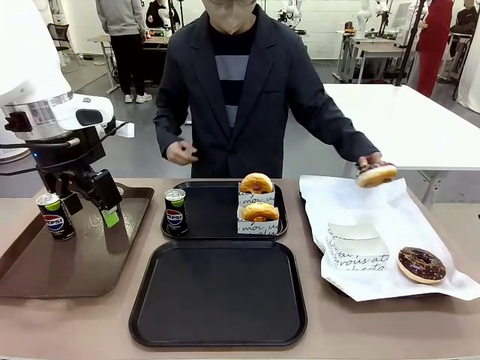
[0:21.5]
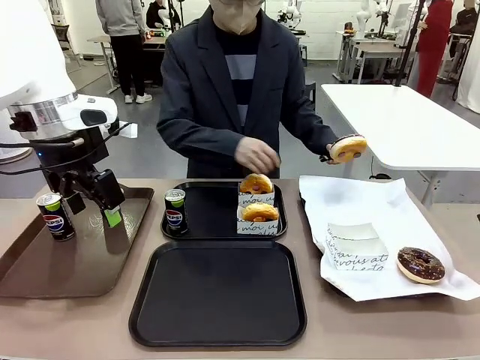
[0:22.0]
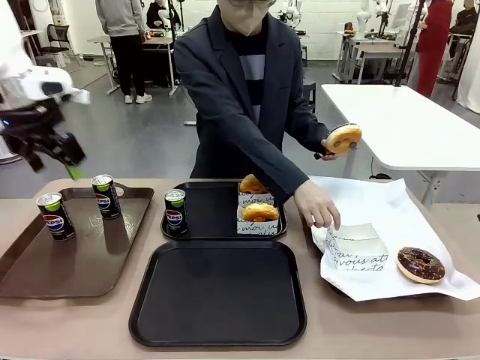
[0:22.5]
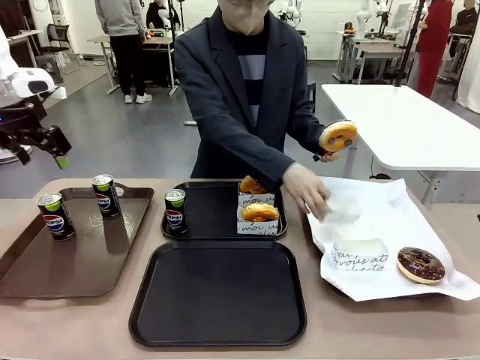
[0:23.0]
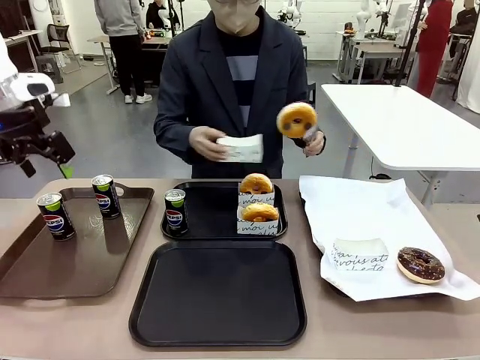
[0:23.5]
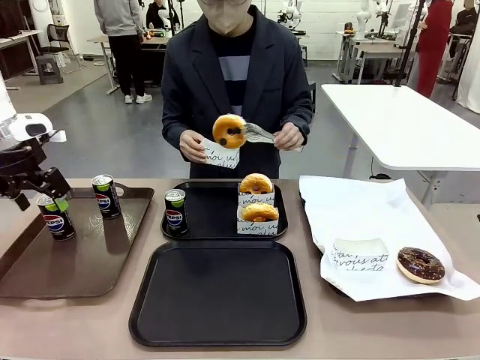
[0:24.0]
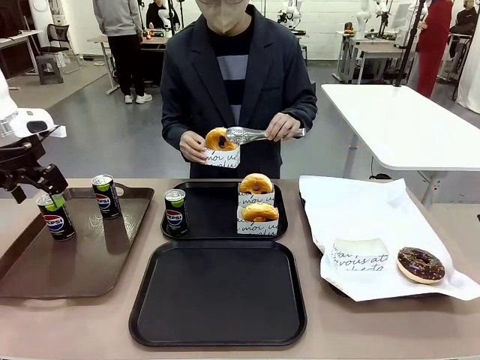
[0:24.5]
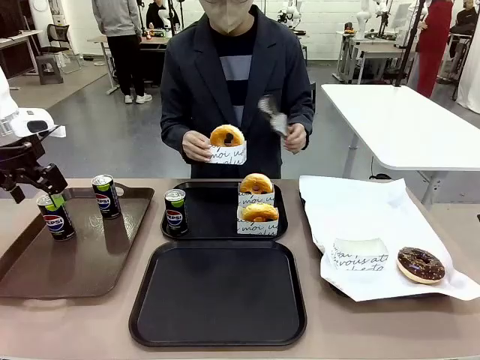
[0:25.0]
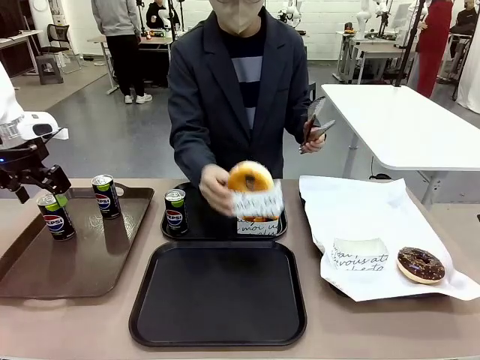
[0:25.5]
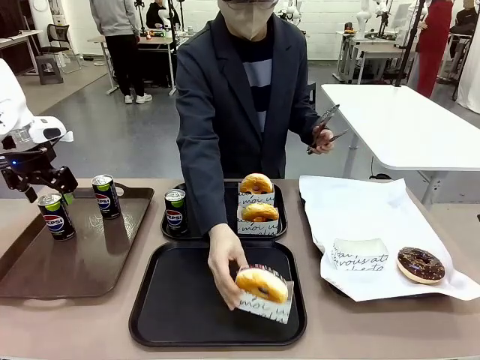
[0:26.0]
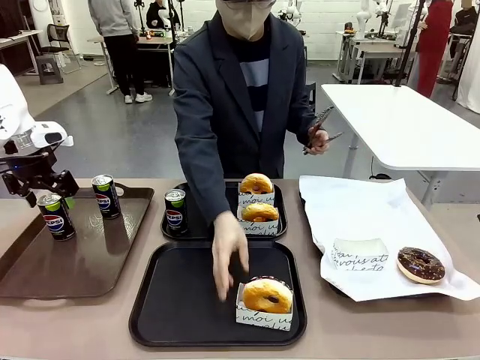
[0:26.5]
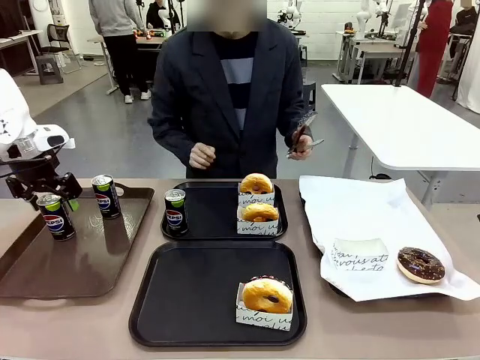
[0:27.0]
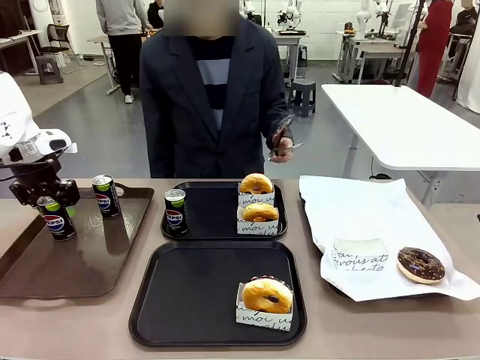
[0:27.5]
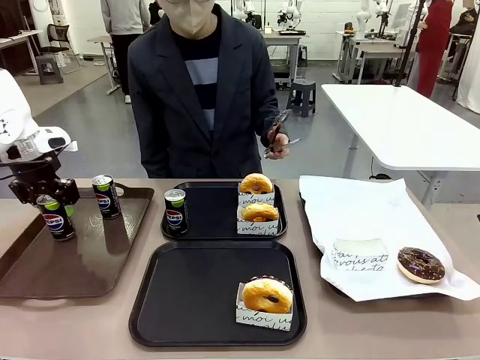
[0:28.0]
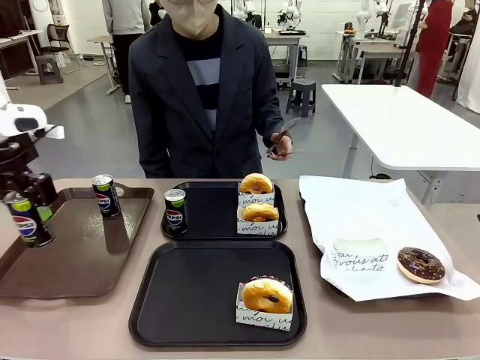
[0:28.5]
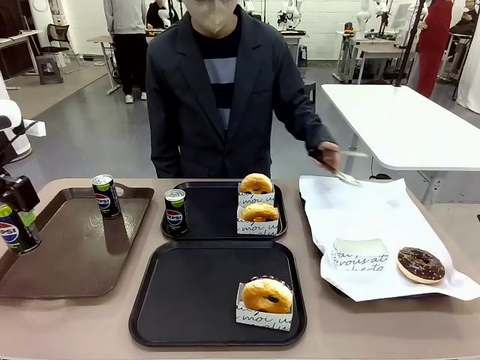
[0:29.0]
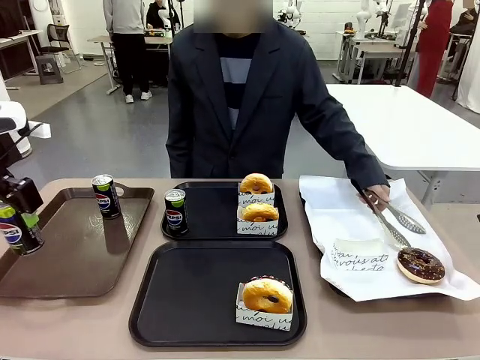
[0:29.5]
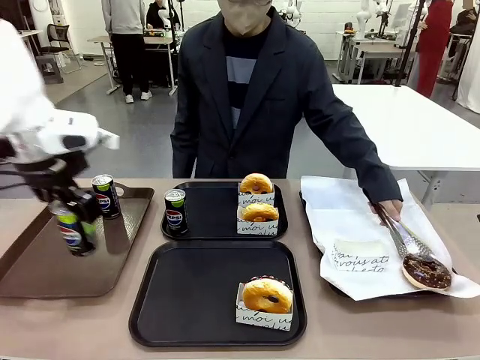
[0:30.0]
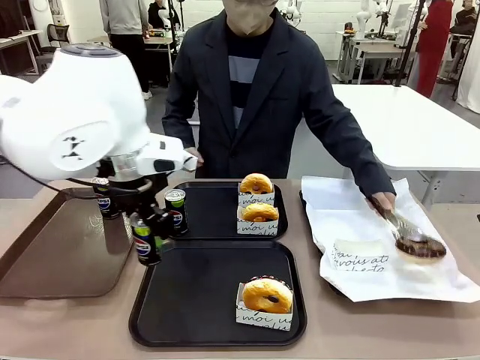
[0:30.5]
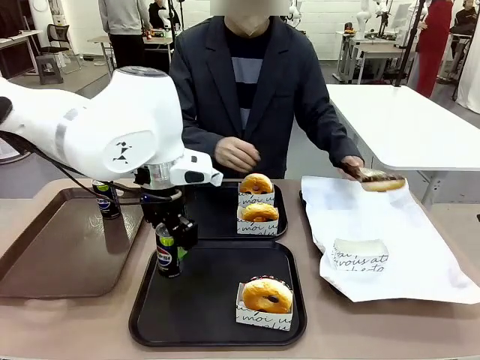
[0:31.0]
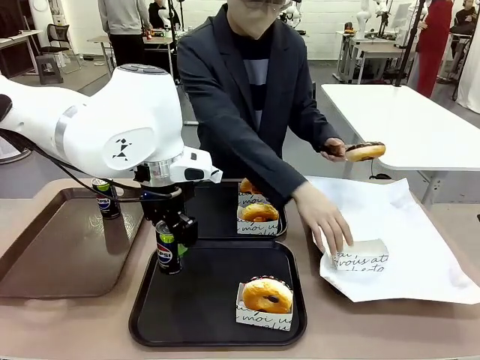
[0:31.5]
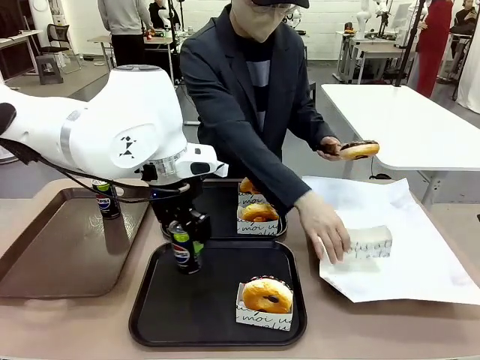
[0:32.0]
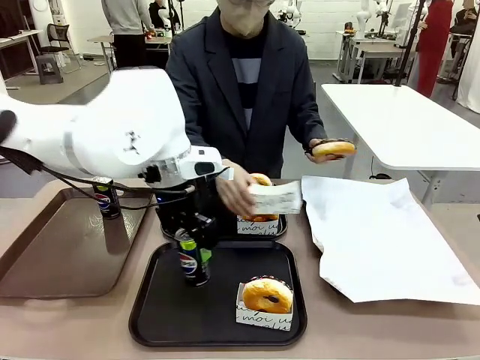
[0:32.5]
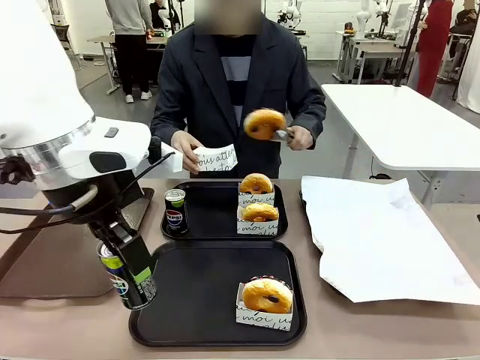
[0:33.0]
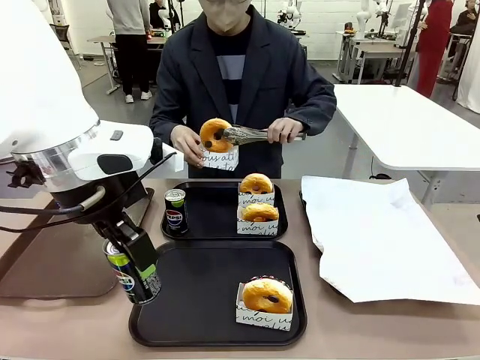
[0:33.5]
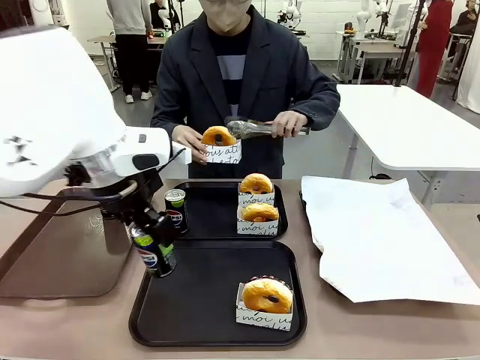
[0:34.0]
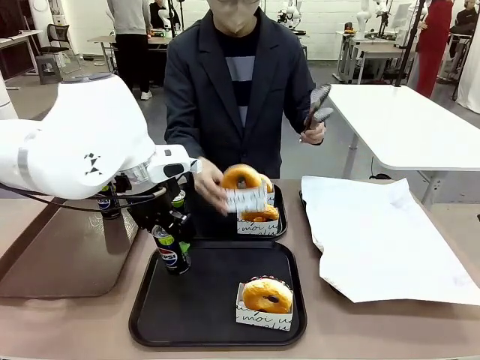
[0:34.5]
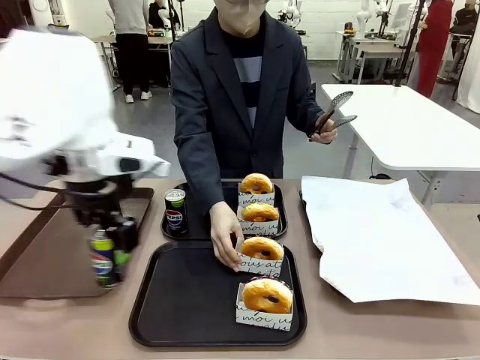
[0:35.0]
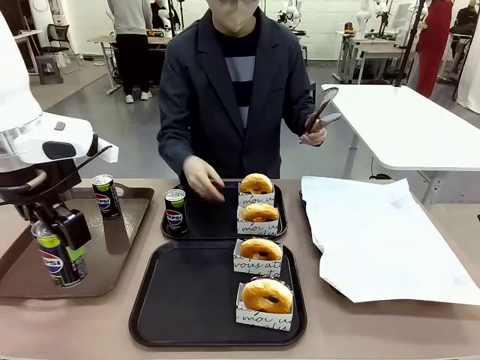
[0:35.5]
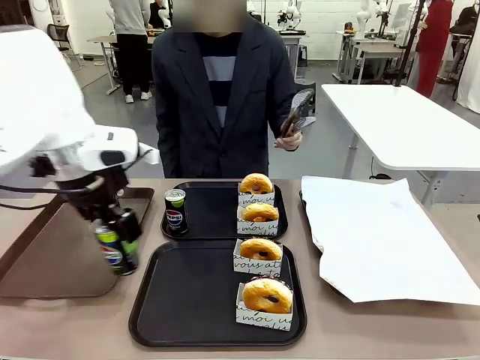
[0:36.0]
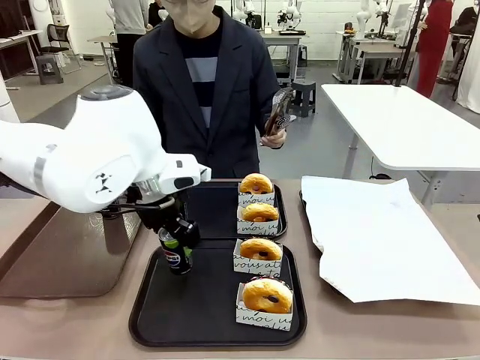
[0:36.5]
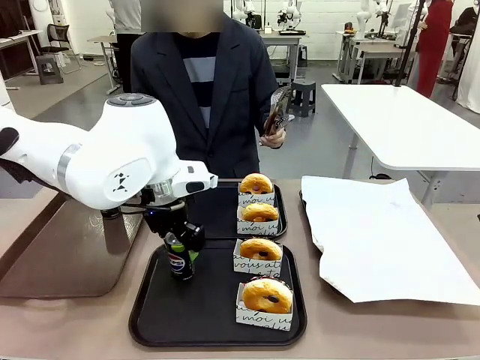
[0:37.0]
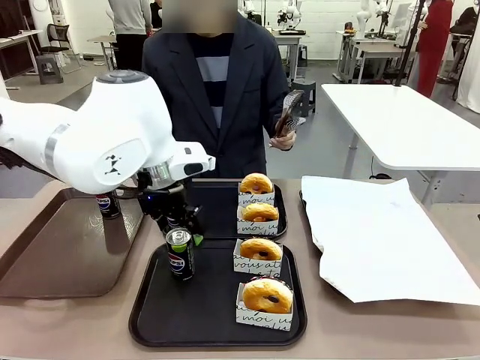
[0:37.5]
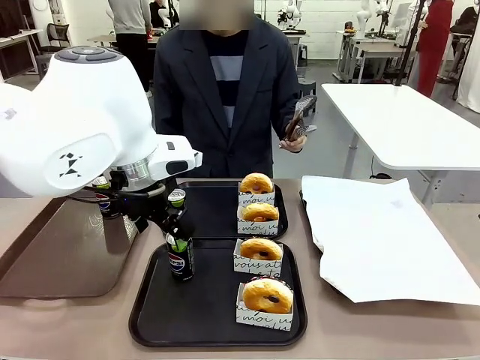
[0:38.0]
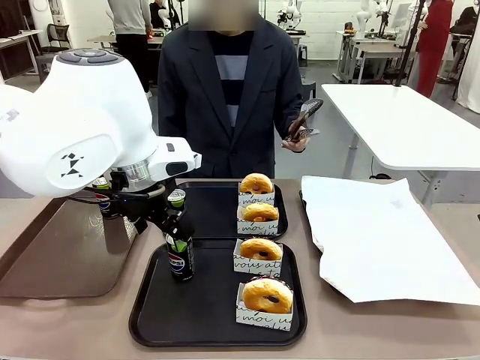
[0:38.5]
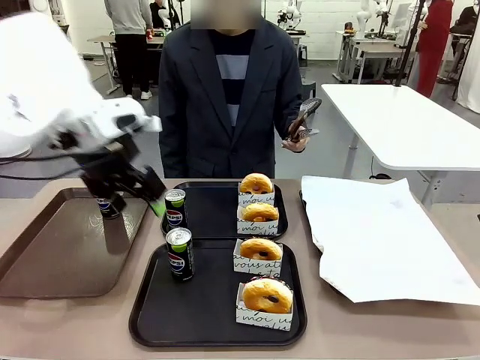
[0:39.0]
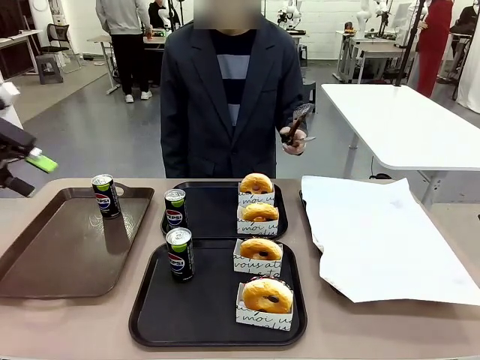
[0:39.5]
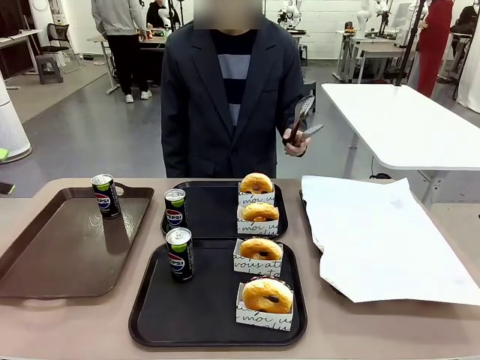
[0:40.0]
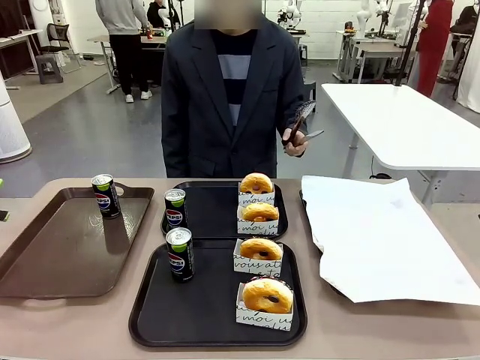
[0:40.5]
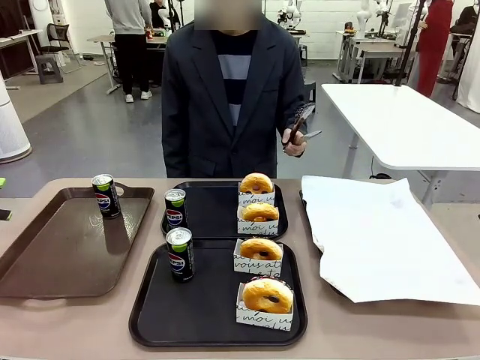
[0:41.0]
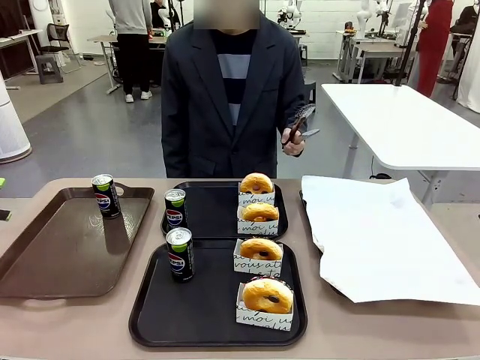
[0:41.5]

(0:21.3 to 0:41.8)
Task: Set up donuts and drinks on trays.
Robot: Pick up one Pepsi coke from the Handle tray and place it on the Flat Tray without a Pepsi coke.
